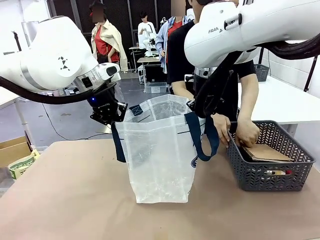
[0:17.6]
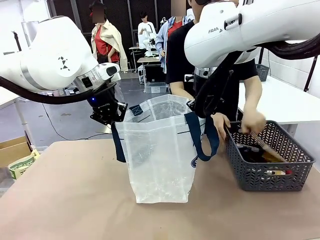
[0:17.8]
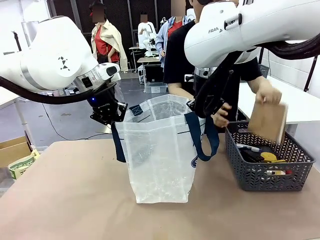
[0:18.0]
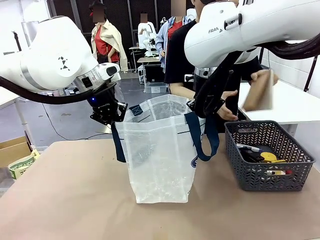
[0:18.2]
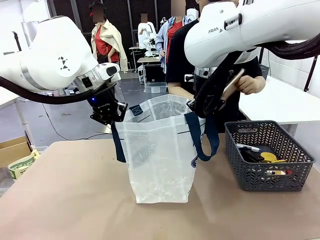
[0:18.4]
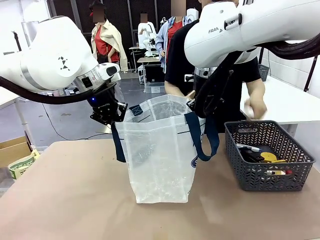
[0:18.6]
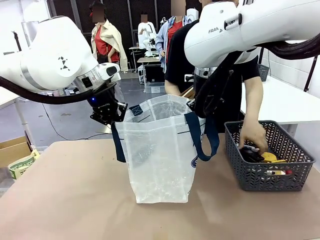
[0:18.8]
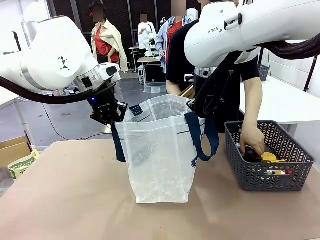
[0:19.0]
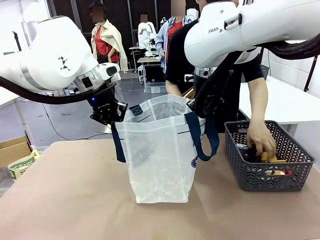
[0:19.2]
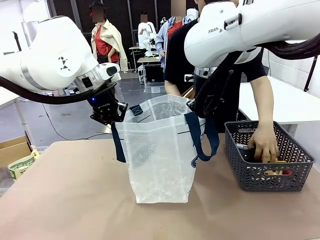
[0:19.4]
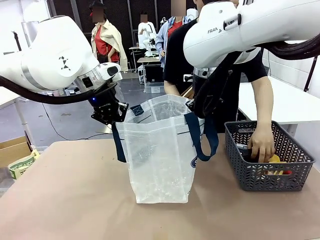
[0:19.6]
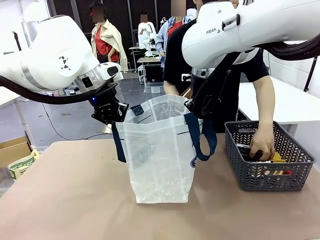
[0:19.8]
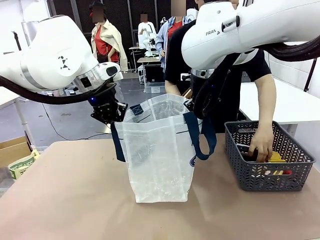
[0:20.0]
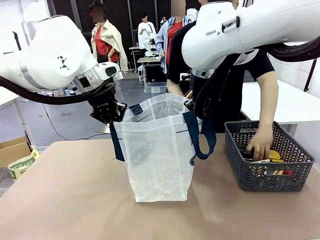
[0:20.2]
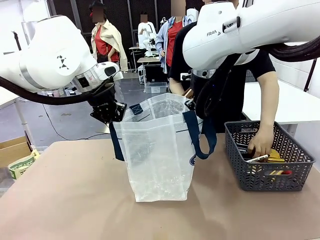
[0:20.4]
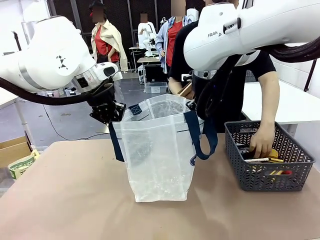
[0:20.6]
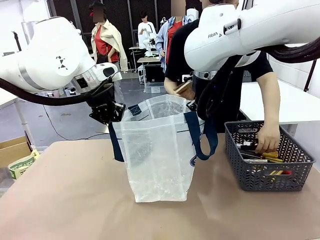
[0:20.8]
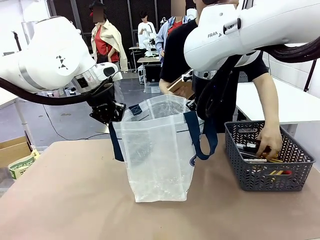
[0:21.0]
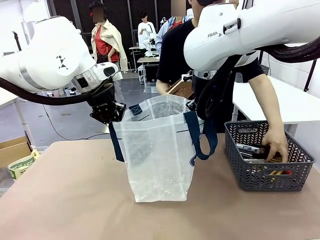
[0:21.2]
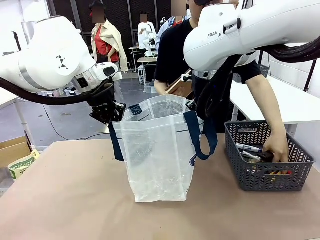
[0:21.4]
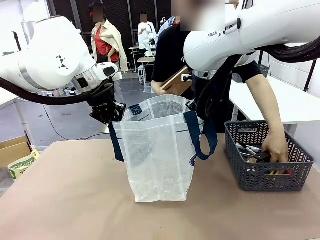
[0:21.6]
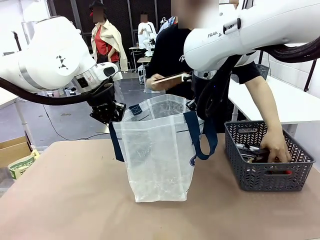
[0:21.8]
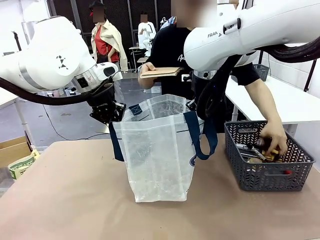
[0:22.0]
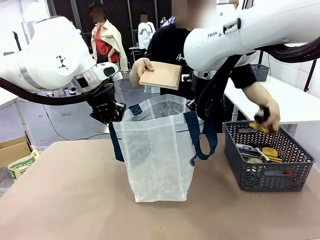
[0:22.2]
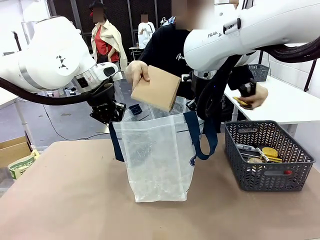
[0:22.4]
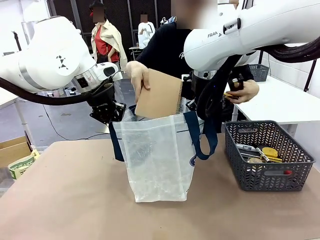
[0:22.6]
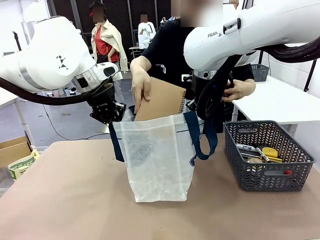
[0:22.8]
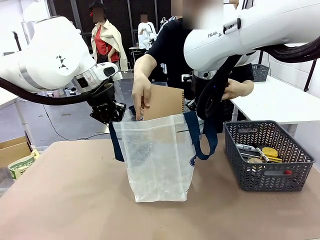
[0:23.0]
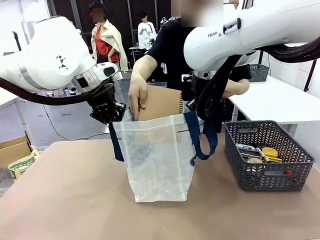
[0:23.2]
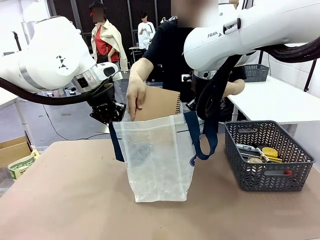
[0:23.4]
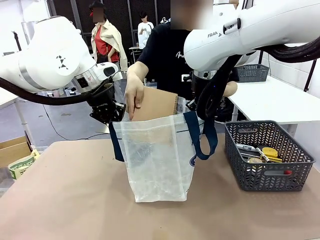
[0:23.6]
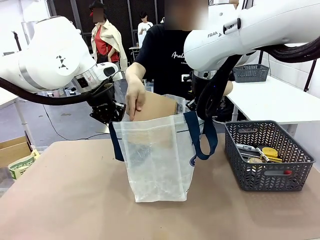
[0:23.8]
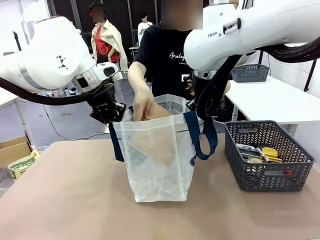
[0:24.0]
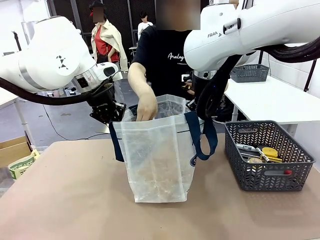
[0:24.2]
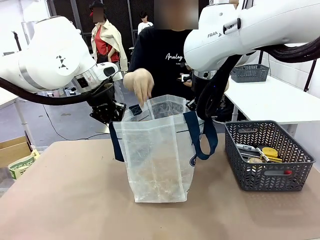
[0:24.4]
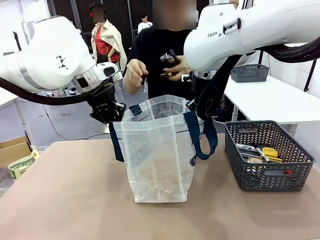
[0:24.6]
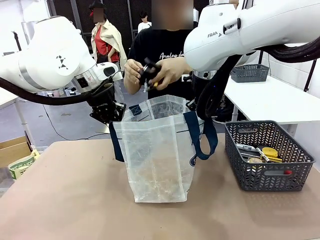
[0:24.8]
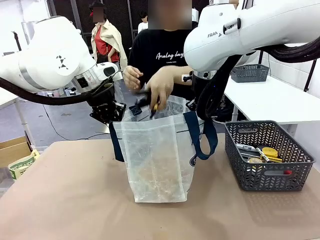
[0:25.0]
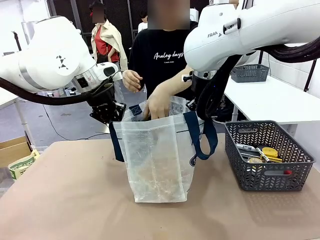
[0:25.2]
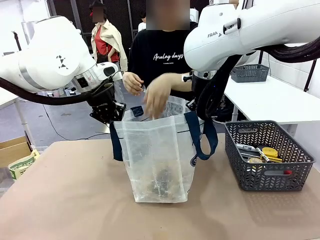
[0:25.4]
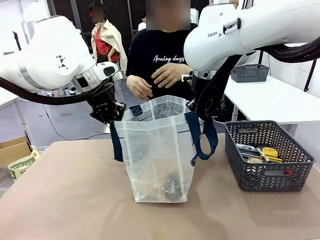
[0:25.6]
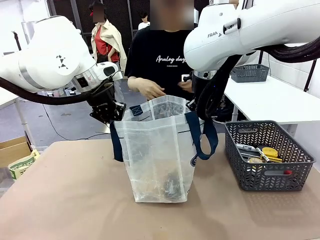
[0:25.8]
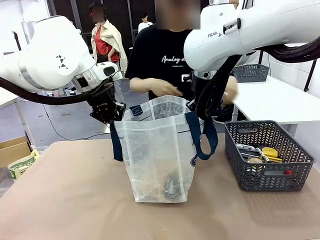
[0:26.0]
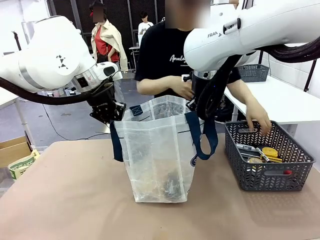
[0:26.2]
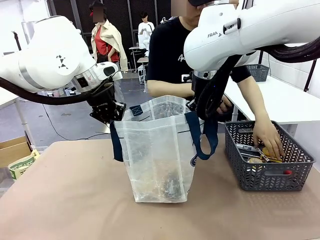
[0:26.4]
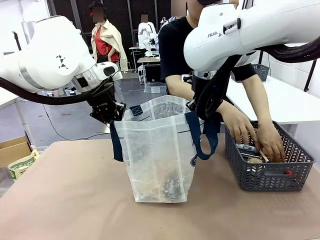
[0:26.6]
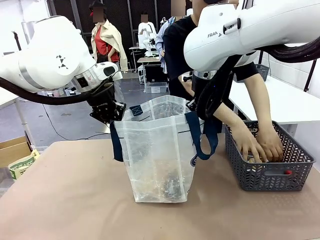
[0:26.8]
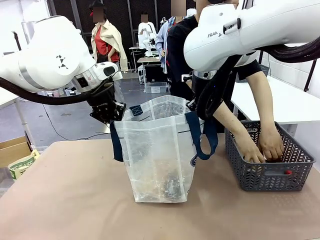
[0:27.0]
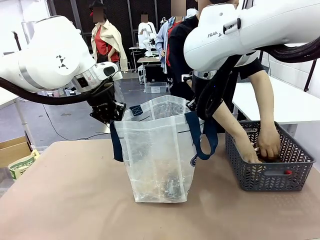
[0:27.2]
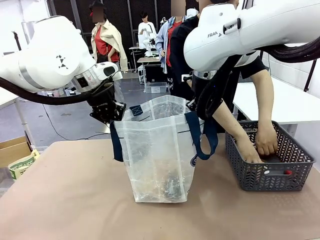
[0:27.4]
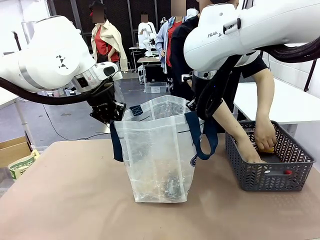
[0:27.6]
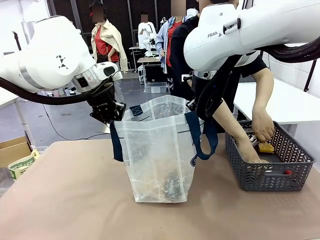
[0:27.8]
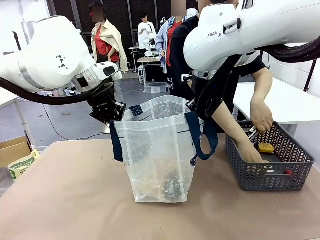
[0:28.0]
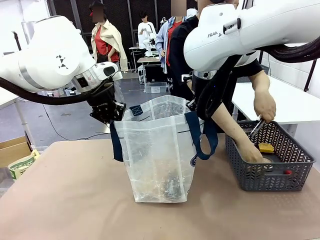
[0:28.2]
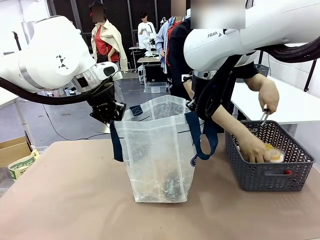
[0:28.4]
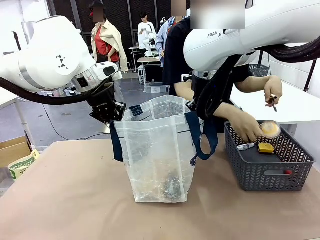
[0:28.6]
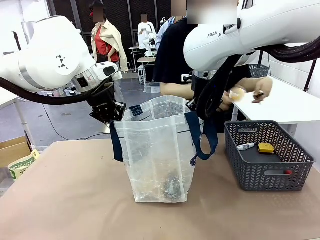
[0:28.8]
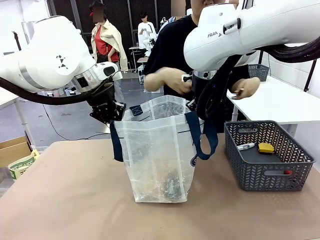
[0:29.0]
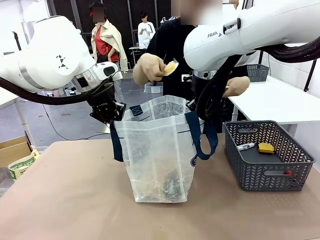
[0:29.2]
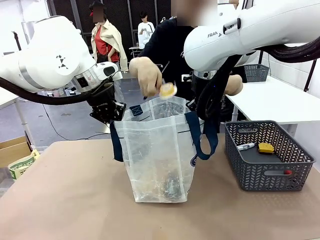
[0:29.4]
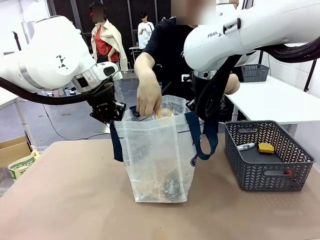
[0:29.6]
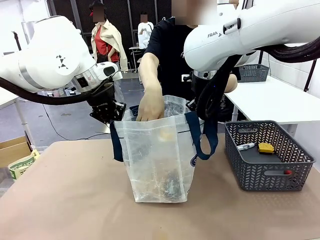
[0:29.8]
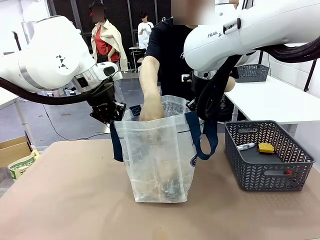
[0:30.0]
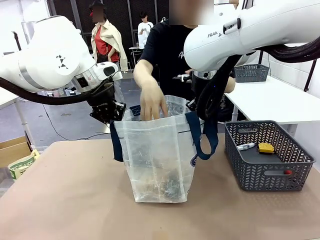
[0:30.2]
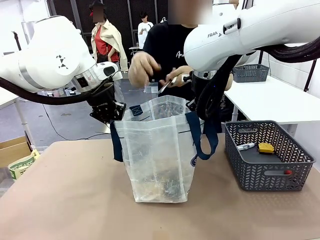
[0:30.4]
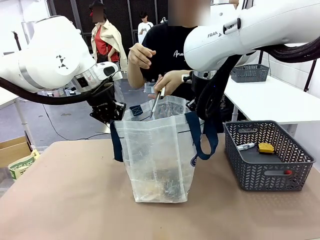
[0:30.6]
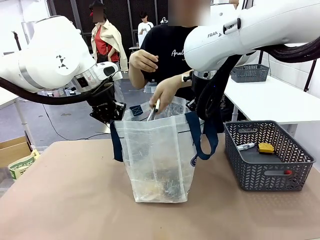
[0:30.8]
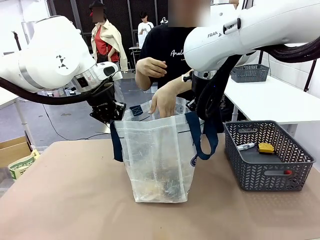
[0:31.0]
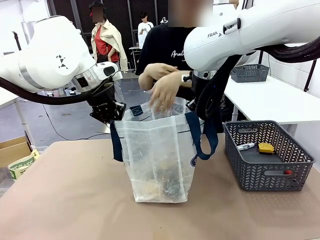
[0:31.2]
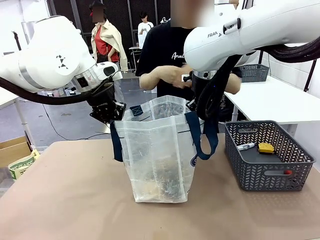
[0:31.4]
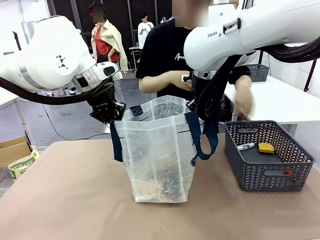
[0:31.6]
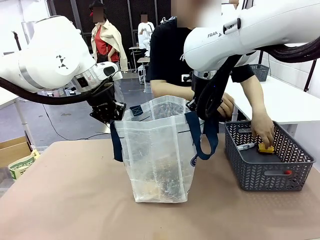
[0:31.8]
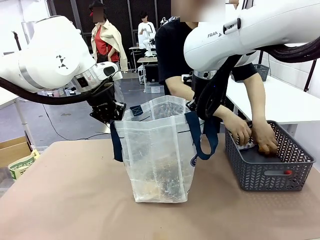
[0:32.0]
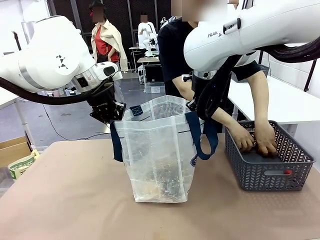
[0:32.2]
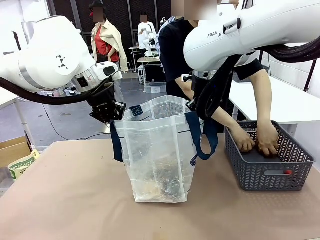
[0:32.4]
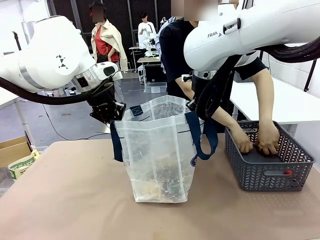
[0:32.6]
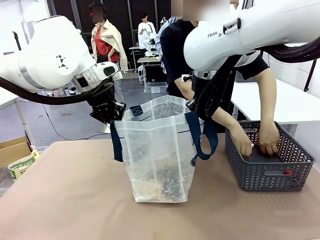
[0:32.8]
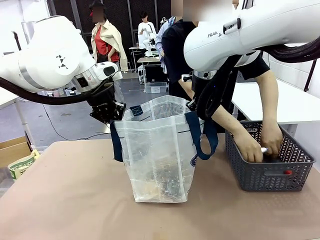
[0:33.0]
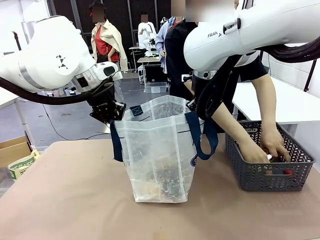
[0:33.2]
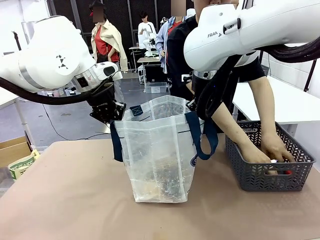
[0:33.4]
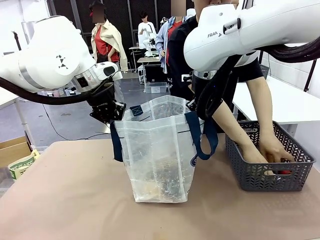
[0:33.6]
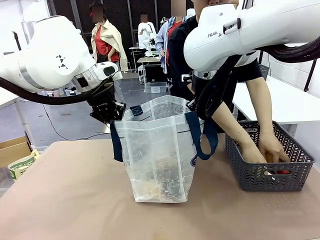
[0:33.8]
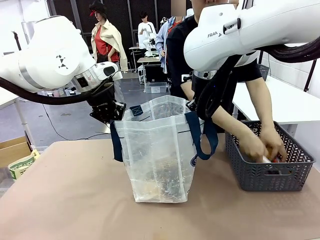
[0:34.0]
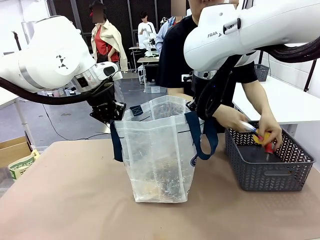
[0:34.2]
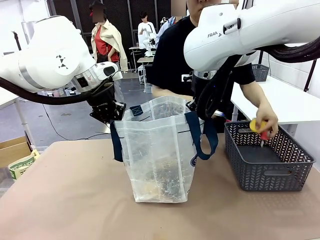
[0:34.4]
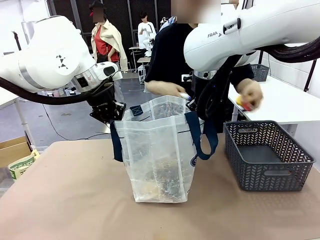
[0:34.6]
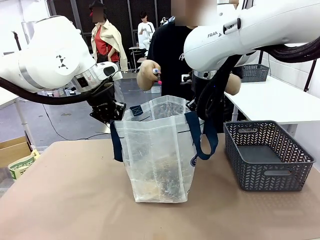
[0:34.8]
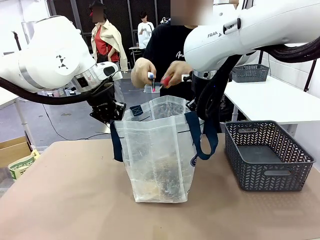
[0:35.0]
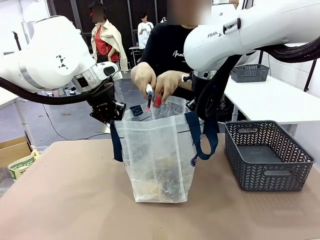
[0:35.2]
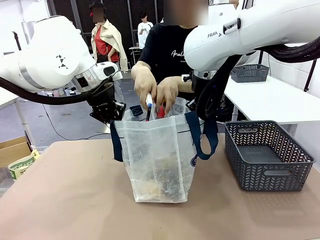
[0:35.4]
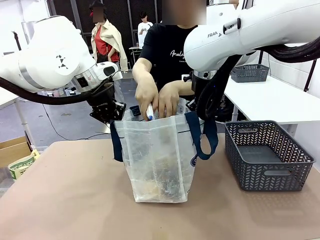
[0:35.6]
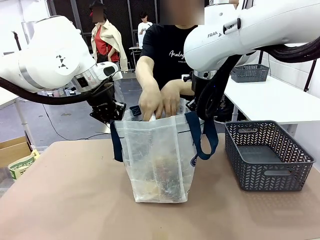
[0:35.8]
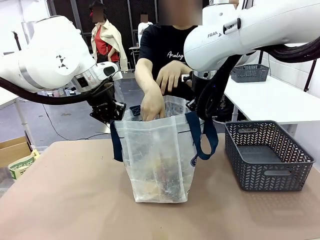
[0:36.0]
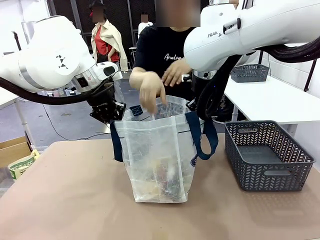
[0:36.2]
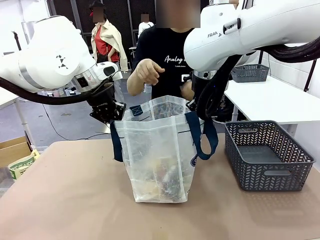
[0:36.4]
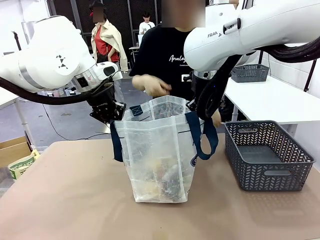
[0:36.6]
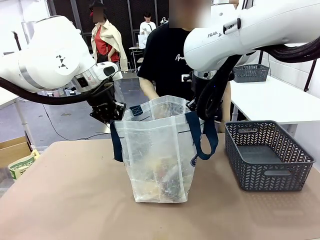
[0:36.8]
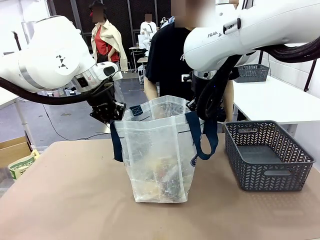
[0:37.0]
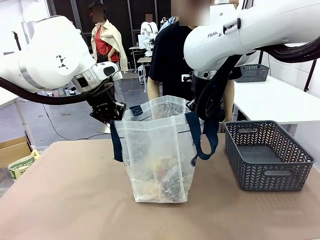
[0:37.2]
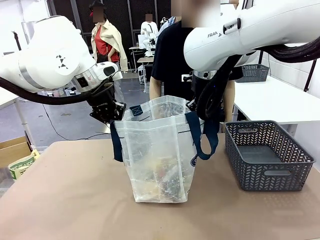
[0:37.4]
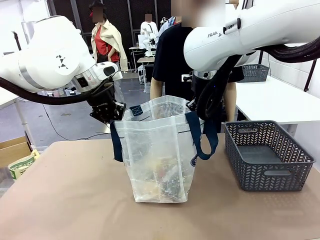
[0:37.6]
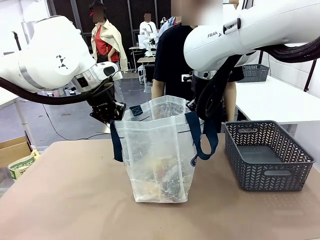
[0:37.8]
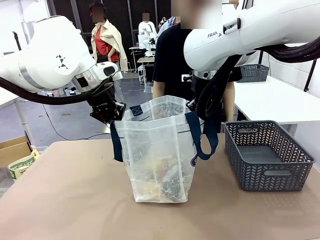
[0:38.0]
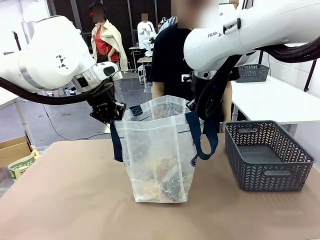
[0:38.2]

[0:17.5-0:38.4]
Task: Transfer purchased items from the store into the shopping bag.
Robot: Move the Reusable shopping bag to the right side of the table.
Person: Pick up the basket on the right, place it on the left side of the robot table, and move the items in the basket to the shopping bag.

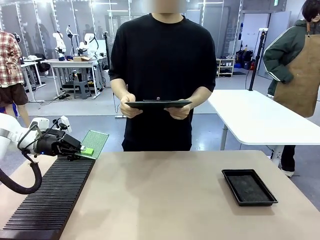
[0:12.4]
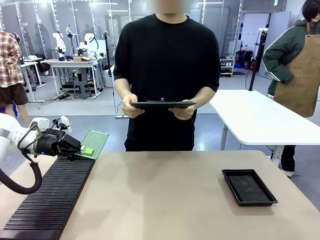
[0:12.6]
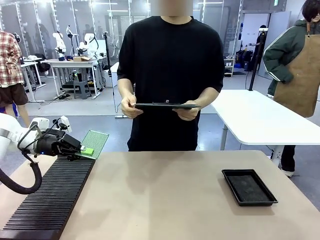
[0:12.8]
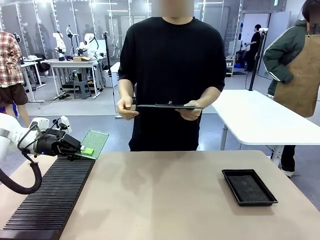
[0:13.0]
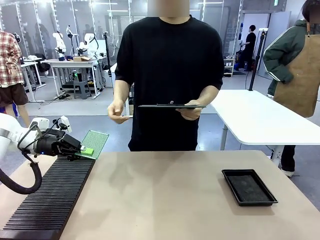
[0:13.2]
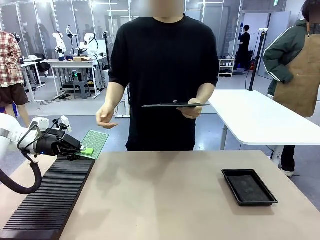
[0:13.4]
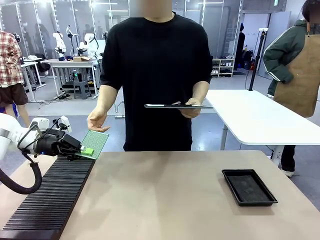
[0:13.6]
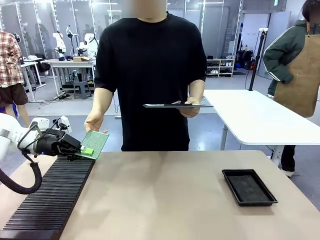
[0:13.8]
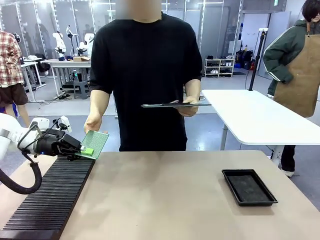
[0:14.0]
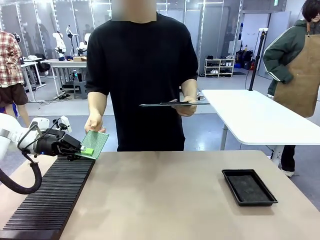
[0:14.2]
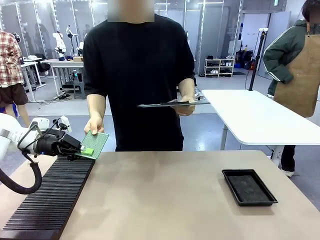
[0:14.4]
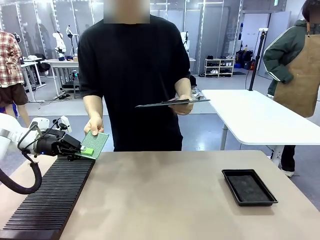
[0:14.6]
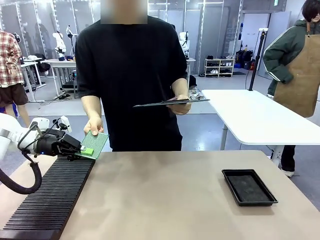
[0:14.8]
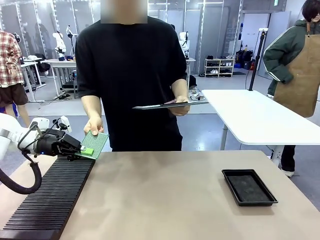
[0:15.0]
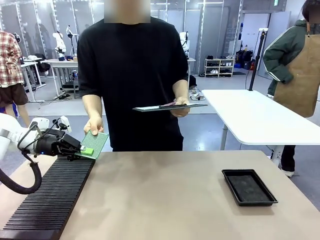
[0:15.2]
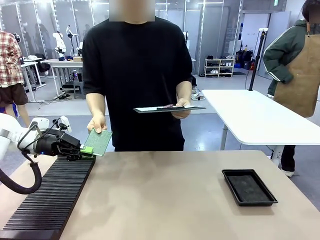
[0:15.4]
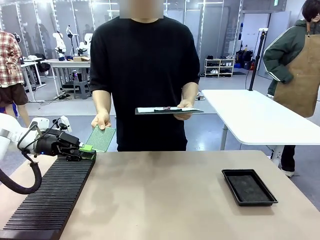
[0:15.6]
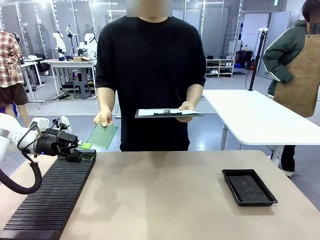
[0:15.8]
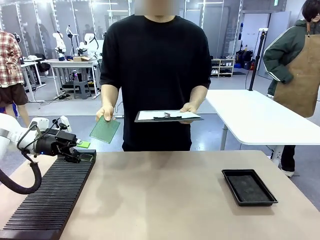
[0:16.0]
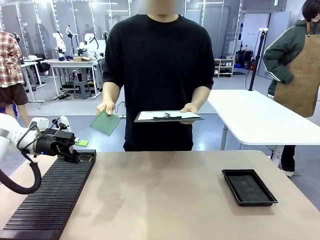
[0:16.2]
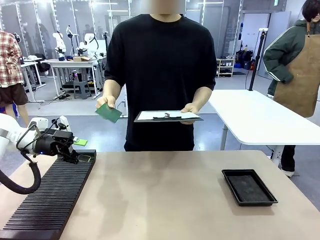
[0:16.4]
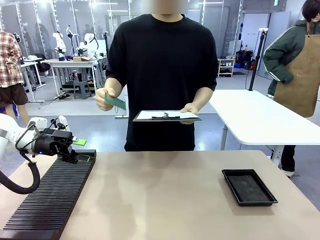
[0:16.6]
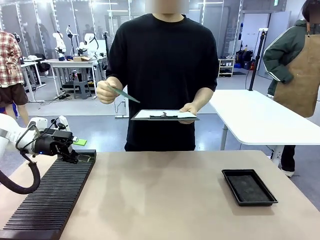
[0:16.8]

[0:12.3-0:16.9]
Task: Inspect the PCB.
Robot: Release the Blank PCB you were holding.
